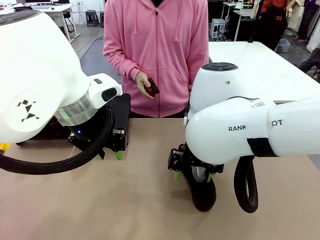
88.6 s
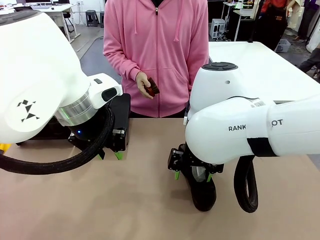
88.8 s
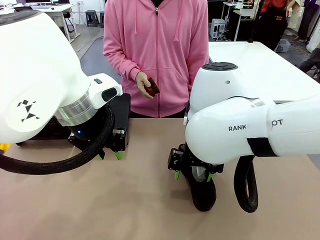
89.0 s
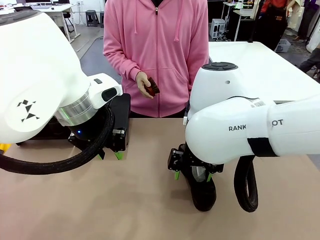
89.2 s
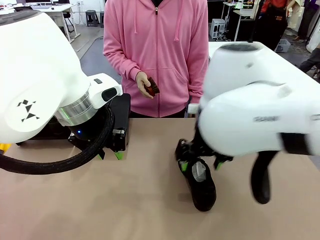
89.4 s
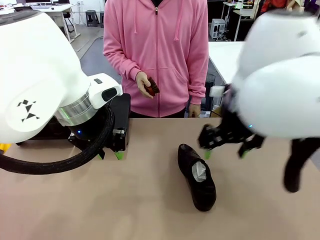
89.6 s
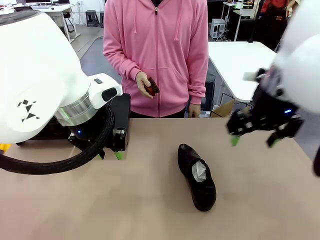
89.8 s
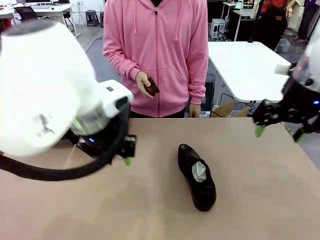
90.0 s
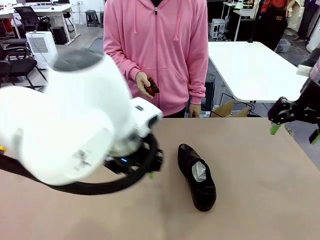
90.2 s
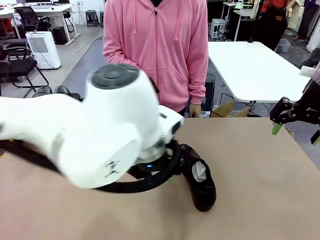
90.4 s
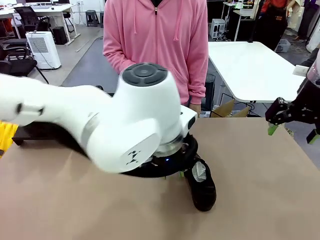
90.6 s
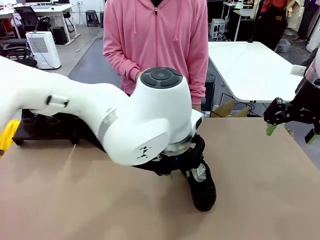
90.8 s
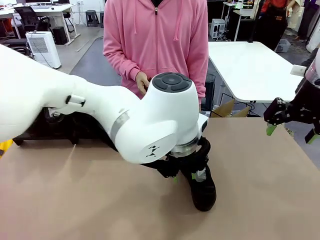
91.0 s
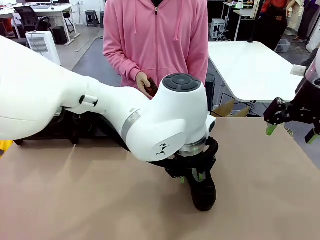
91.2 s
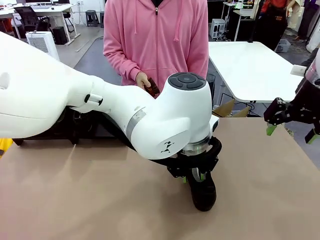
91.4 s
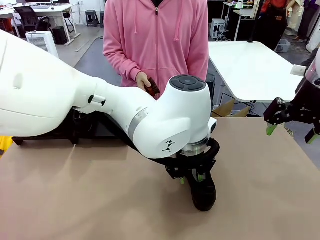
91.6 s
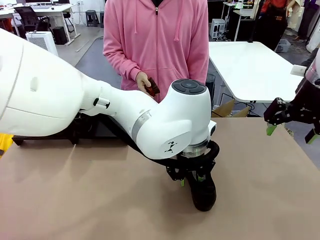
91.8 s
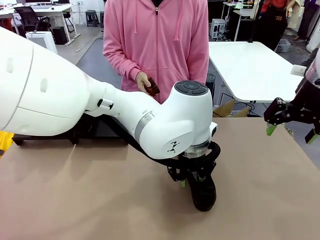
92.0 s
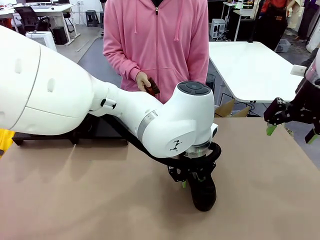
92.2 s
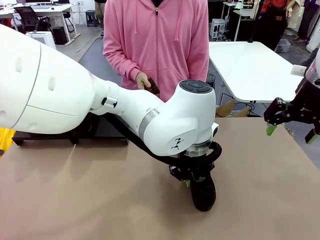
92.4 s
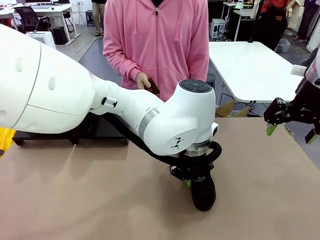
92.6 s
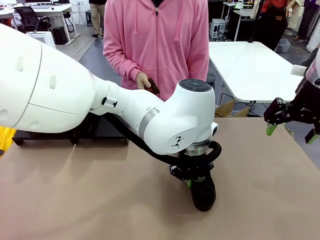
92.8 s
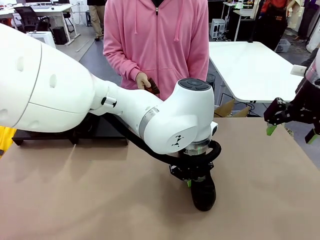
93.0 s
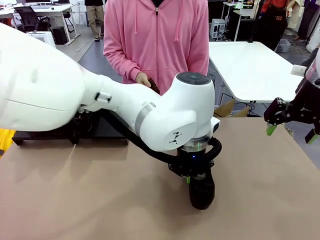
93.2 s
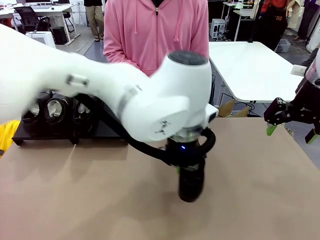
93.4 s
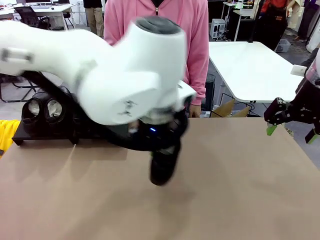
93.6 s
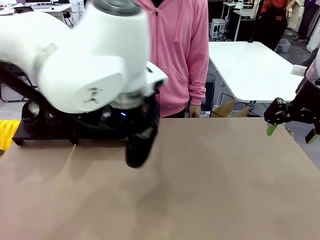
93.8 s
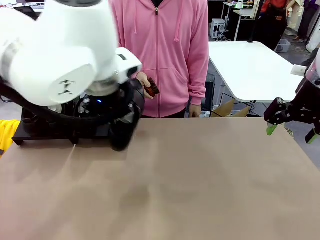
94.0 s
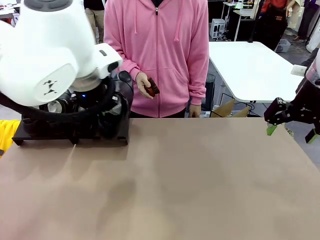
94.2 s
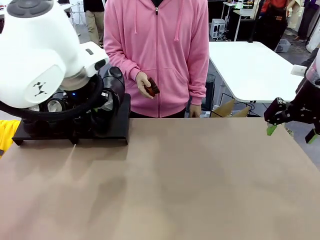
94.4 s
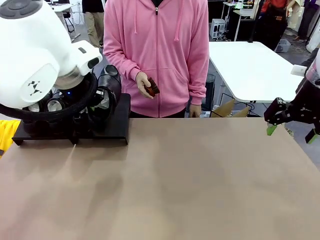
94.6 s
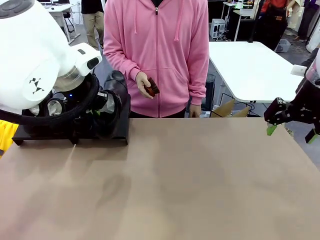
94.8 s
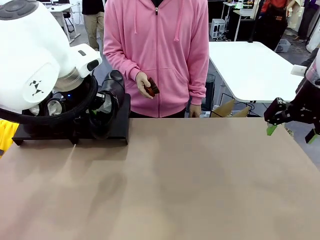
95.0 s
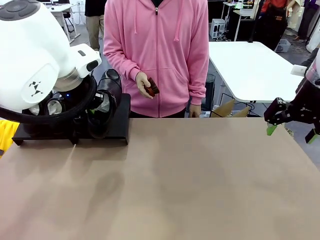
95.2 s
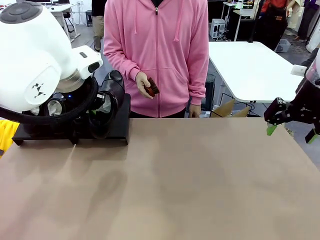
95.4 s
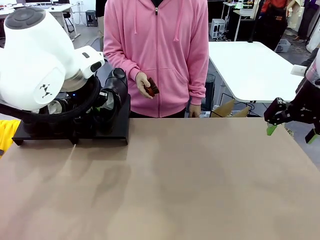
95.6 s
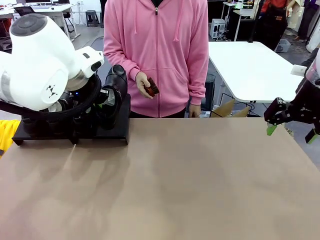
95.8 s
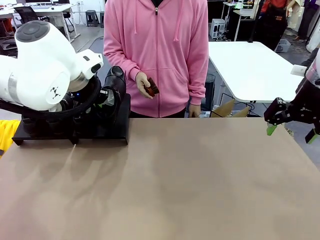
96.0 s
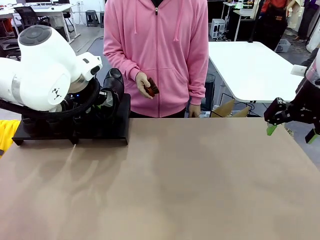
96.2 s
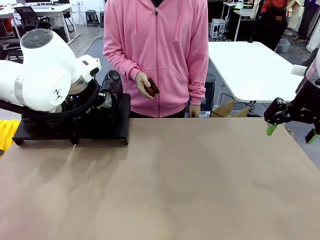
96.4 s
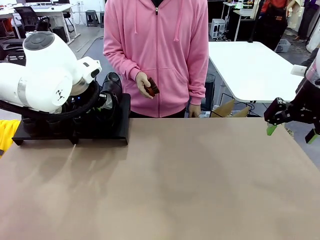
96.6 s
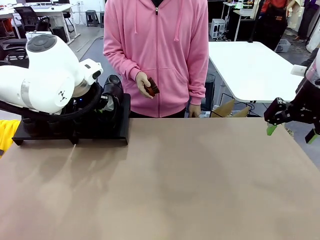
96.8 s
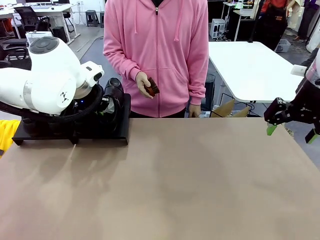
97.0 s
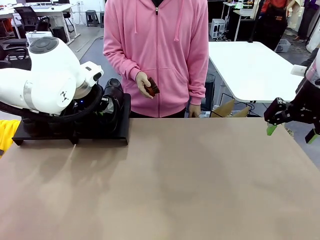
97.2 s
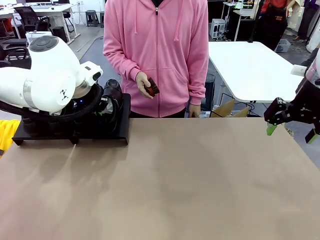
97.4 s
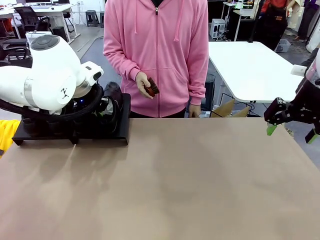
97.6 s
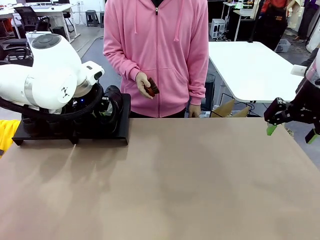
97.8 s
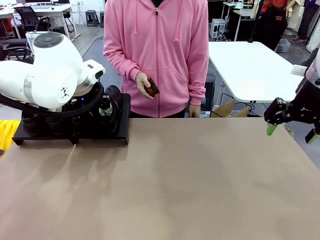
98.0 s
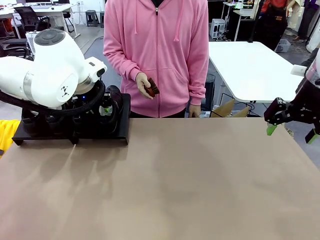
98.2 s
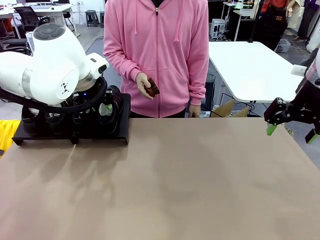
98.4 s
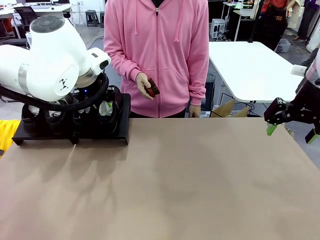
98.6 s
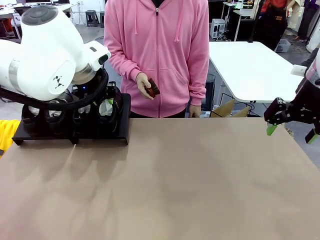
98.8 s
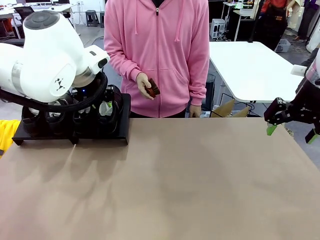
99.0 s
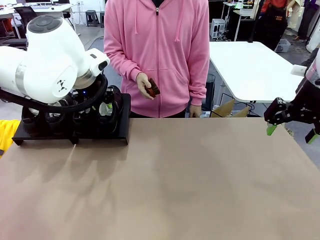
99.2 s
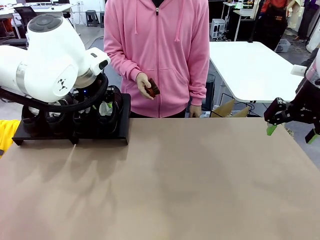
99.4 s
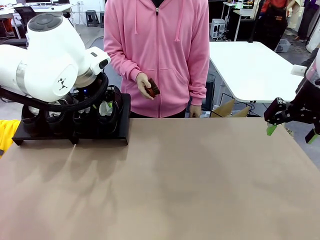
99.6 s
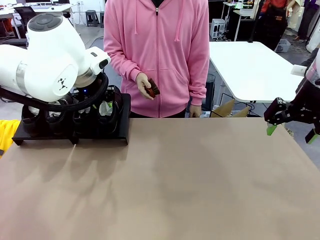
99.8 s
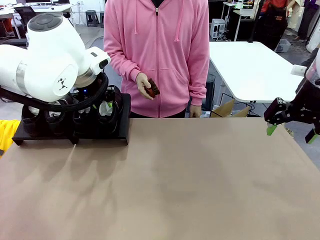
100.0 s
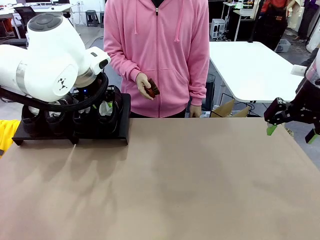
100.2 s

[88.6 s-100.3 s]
Task: Organize the shoes by placing them on the stand.
Robot: Place the Shoe from the middle of the table onto the Shoes Stand.

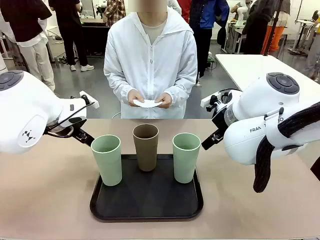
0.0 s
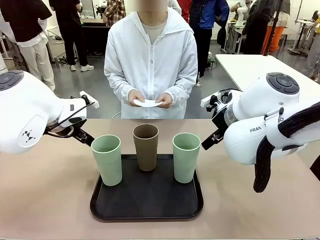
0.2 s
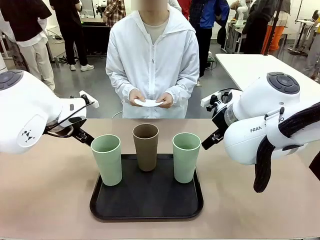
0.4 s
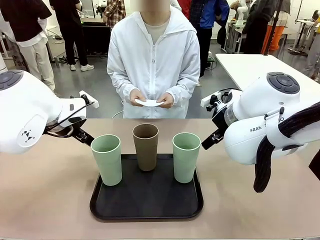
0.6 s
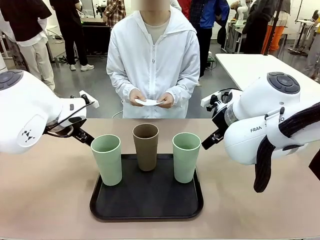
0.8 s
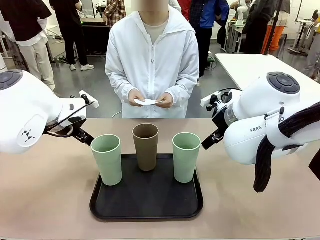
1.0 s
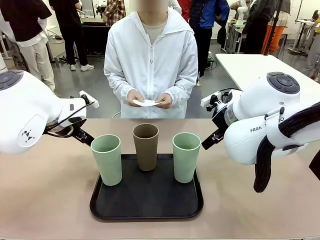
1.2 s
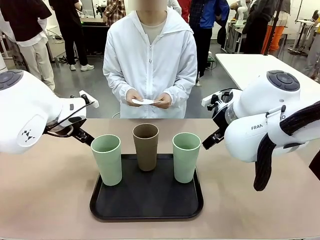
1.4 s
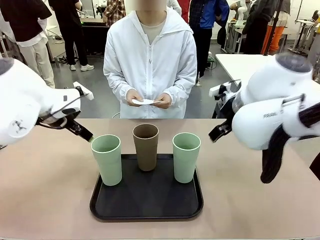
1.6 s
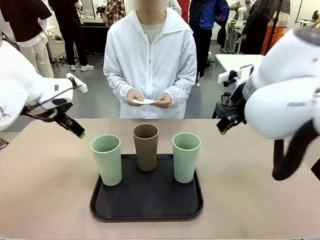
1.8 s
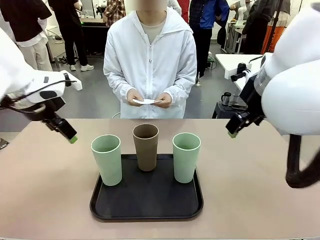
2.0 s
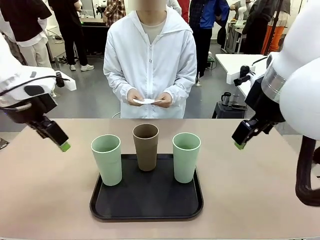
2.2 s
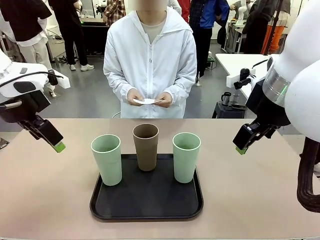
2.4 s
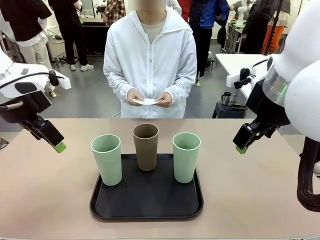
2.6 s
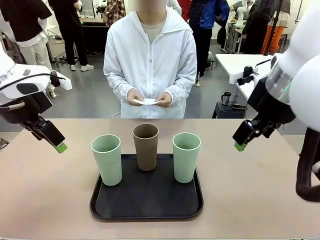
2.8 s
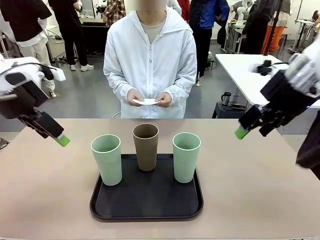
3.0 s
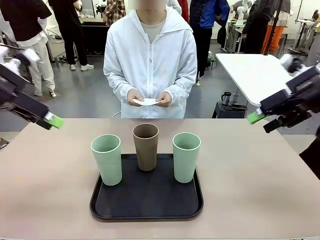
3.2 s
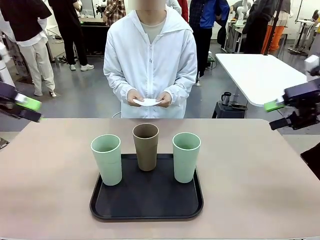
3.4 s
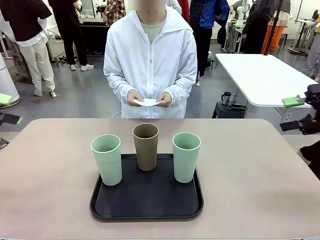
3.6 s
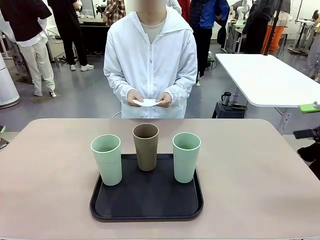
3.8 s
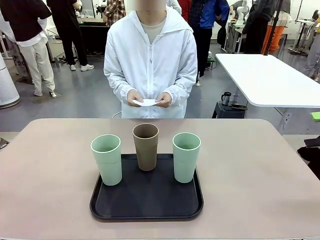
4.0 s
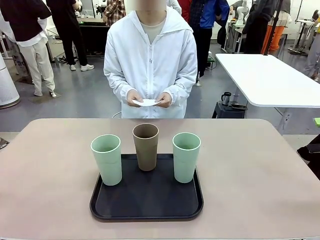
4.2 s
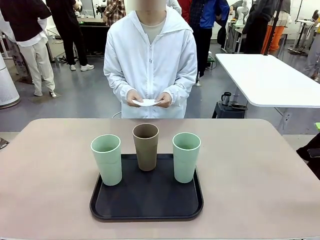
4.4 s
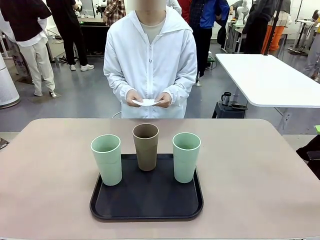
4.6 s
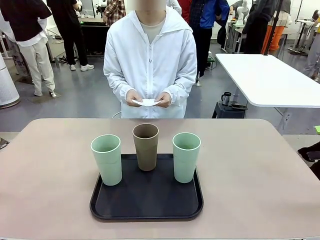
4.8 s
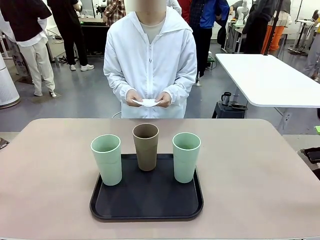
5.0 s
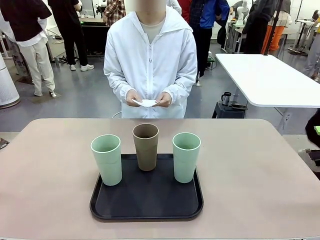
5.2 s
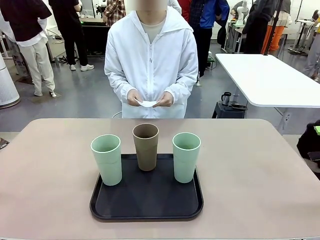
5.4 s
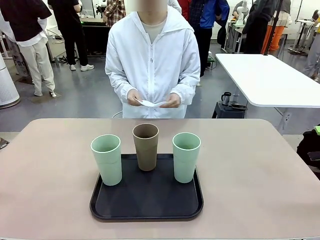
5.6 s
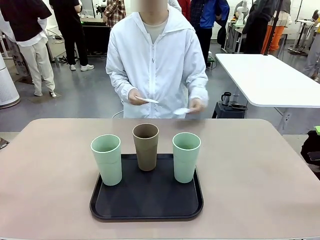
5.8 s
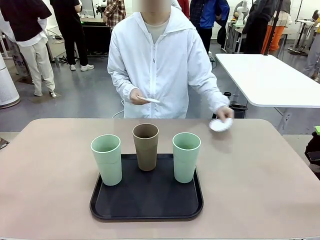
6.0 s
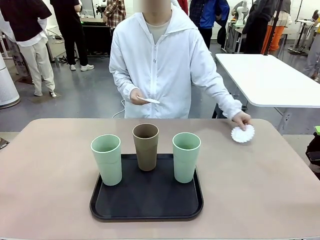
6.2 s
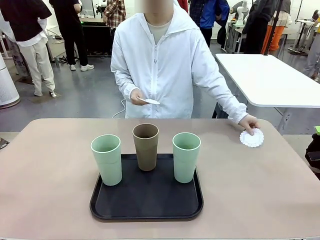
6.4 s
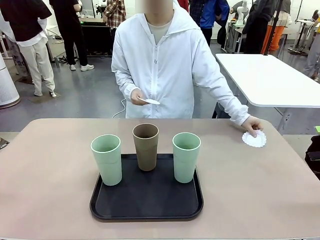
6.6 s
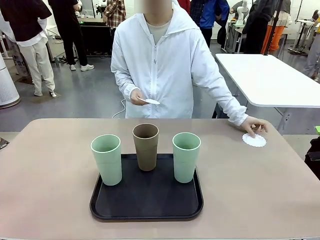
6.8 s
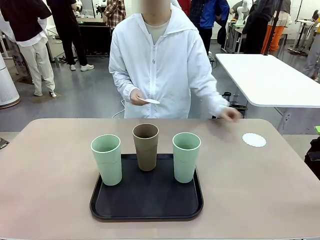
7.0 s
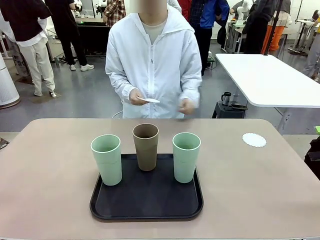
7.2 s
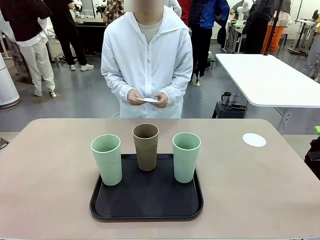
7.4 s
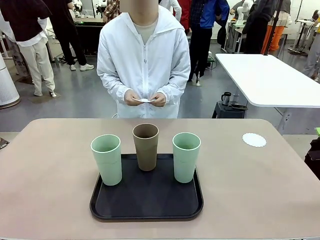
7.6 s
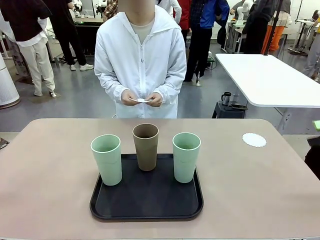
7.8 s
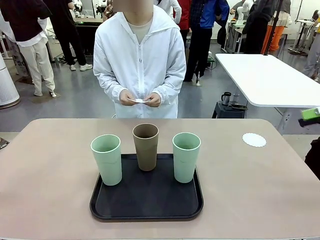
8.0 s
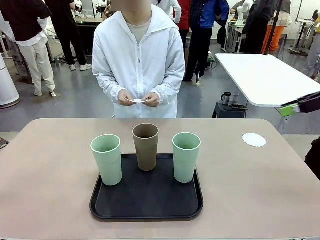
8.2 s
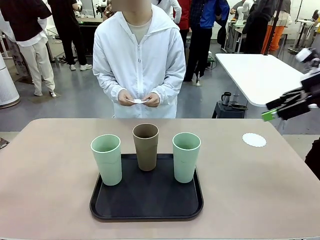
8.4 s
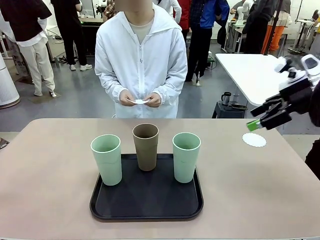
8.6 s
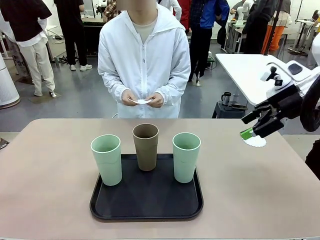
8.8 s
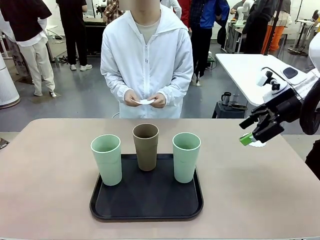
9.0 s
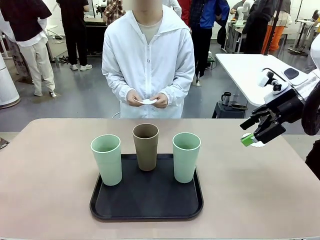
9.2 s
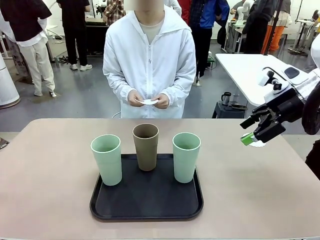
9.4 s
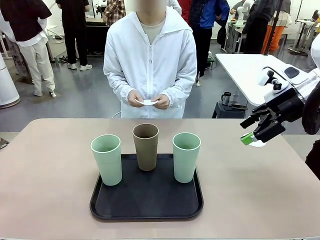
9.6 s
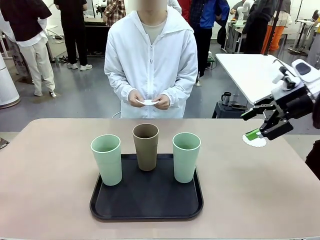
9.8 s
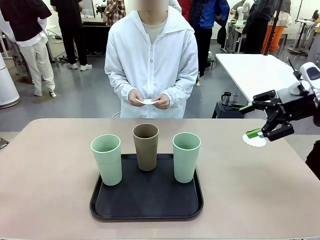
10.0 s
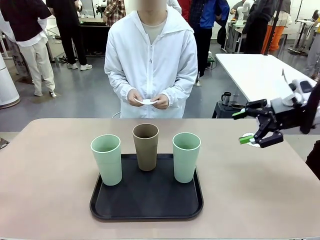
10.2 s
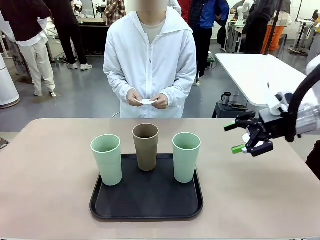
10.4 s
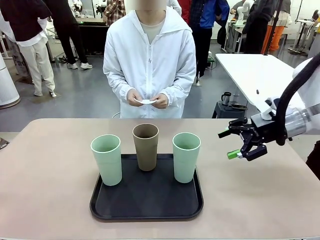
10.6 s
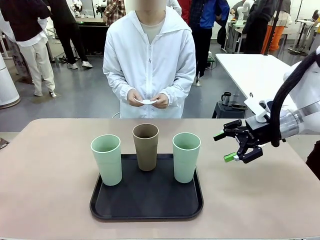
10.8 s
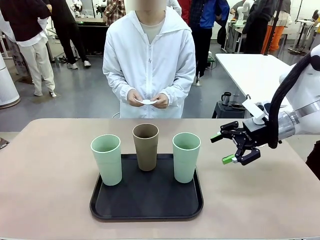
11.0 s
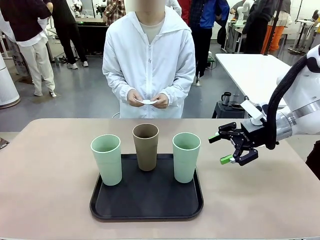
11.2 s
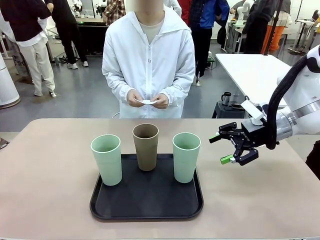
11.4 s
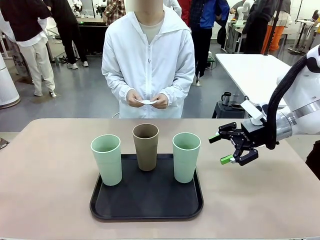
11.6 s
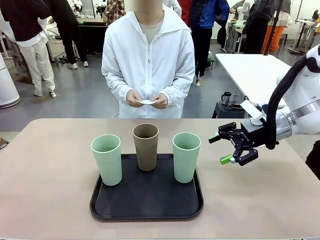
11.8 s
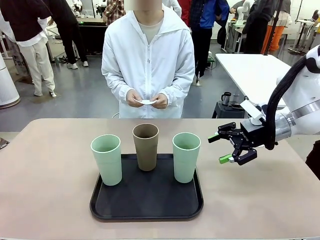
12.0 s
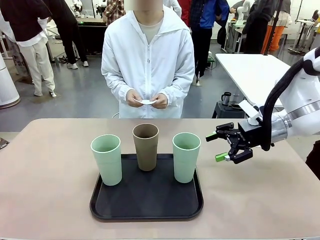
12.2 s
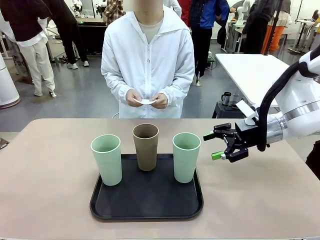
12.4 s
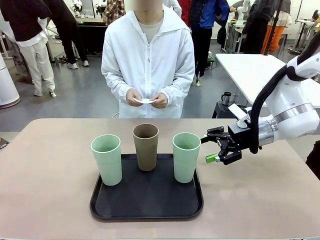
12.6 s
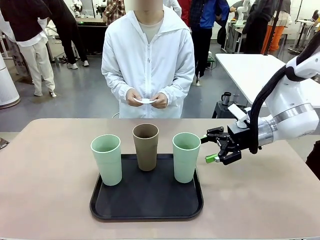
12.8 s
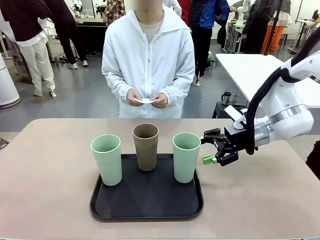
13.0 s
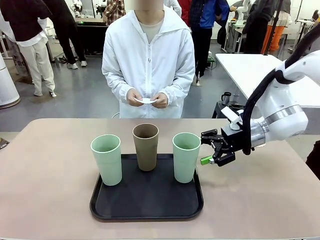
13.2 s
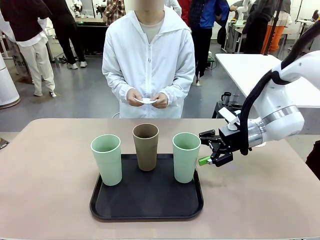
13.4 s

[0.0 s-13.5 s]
Task: Place coasters on the table and set cups on them.
Robot: Pick up one Reusable plastic cup and place it on a coaster set by the human.
Person: Place one coaster in any one of the three lower areas of the robot table (left, center, or right).
